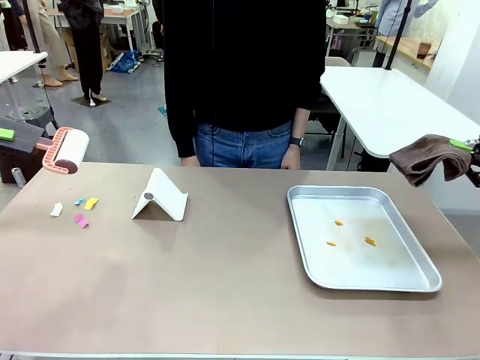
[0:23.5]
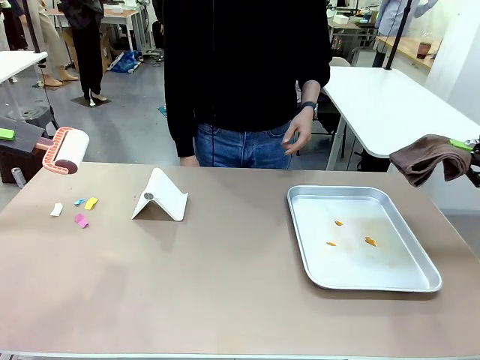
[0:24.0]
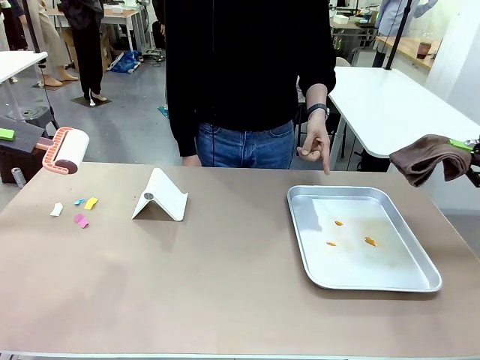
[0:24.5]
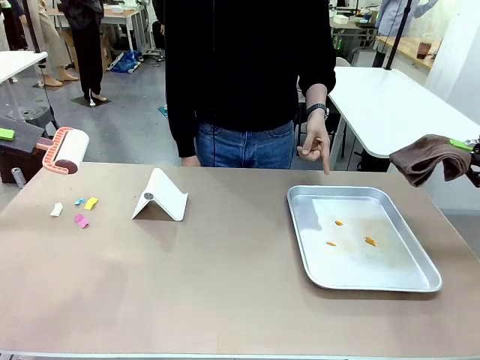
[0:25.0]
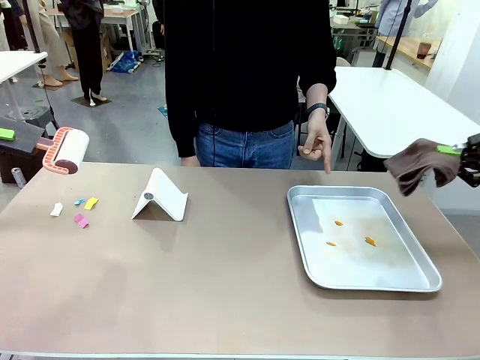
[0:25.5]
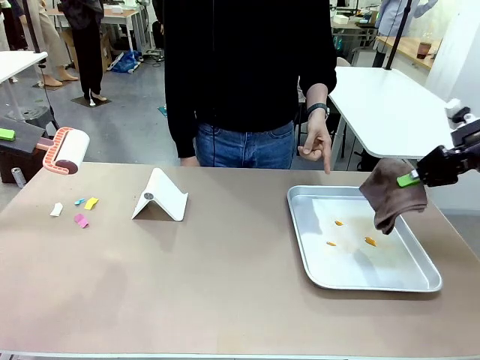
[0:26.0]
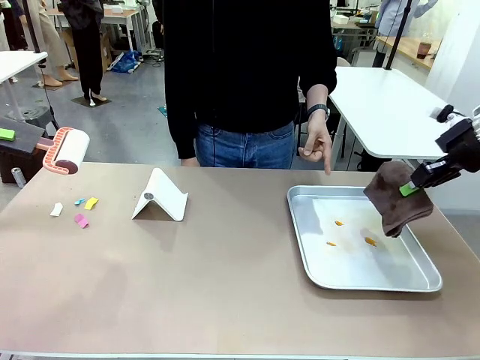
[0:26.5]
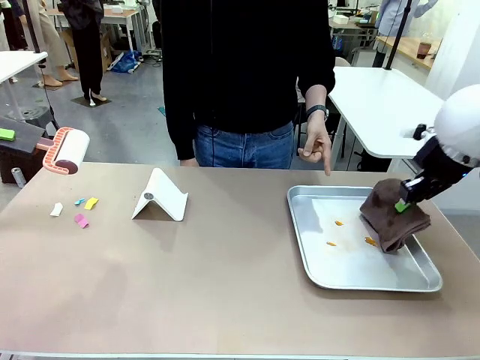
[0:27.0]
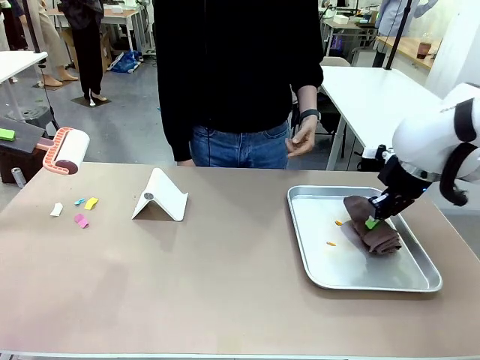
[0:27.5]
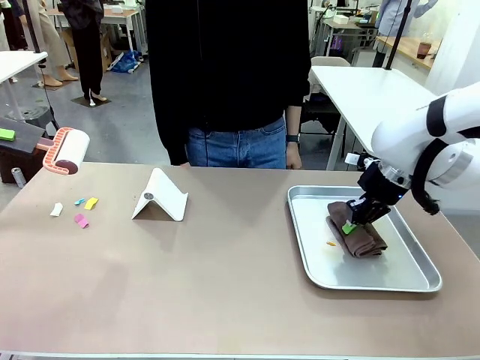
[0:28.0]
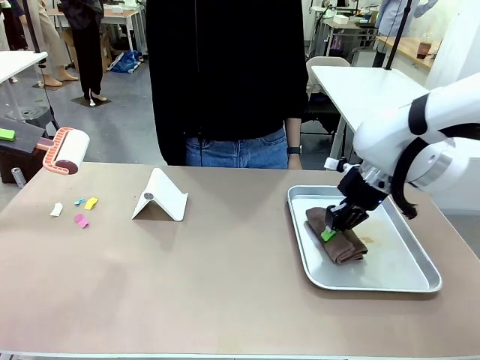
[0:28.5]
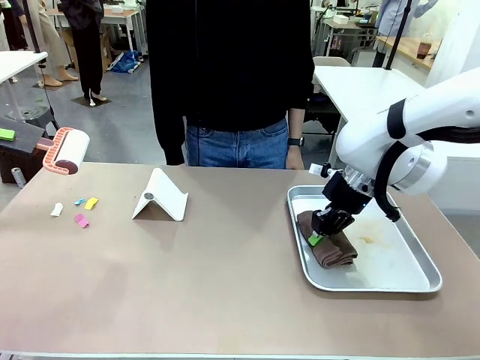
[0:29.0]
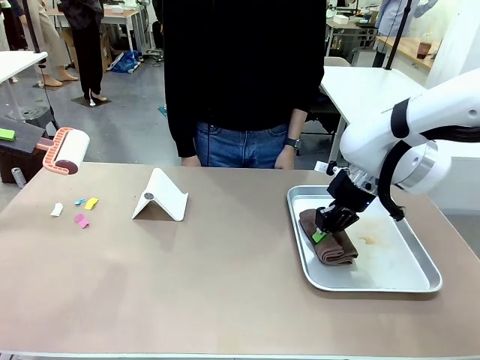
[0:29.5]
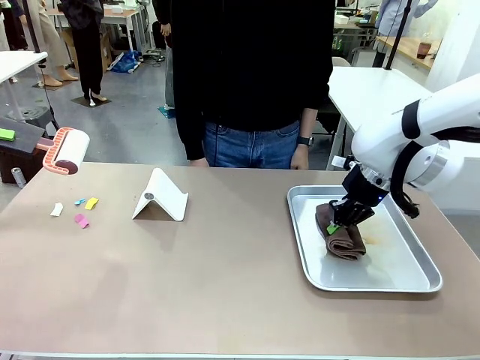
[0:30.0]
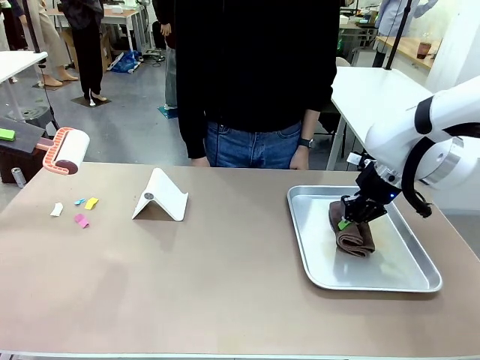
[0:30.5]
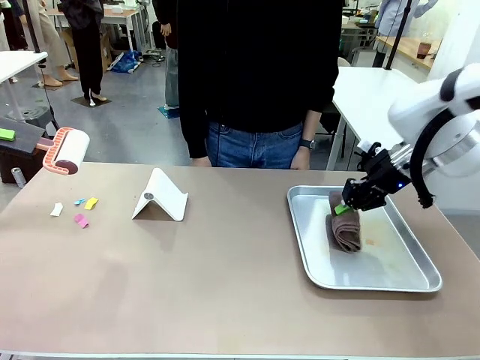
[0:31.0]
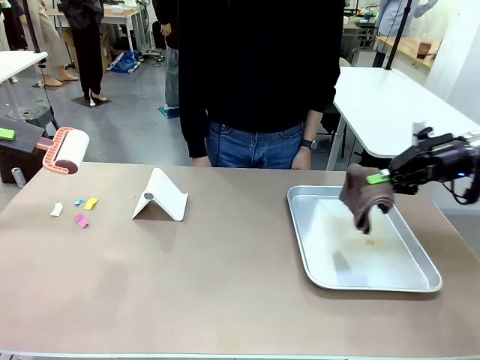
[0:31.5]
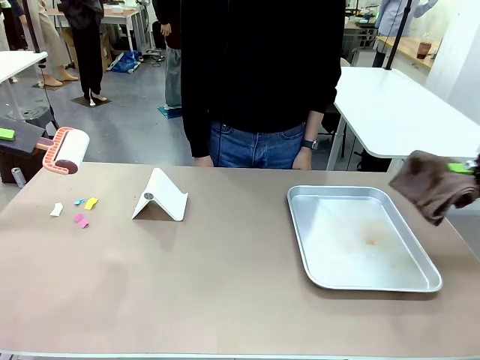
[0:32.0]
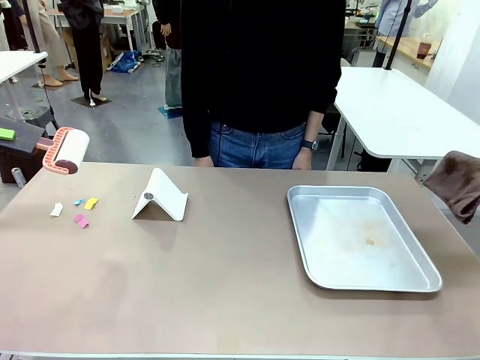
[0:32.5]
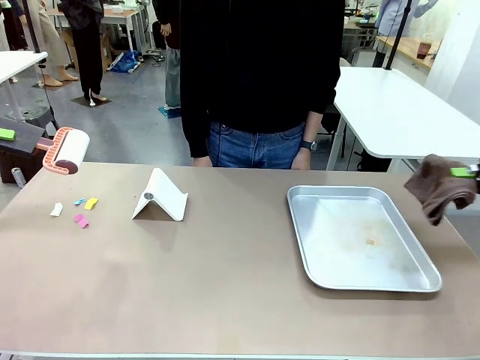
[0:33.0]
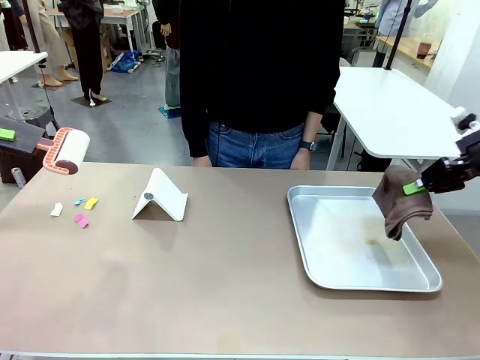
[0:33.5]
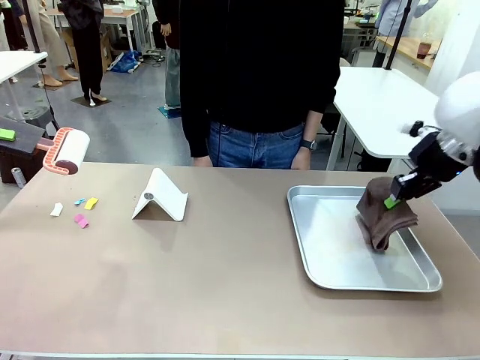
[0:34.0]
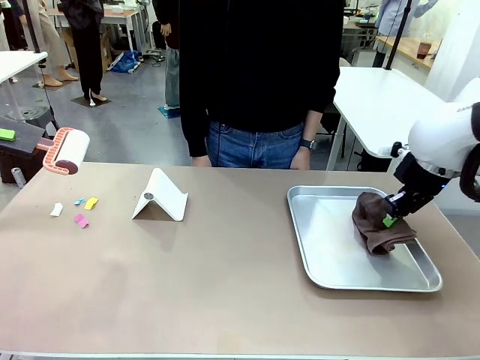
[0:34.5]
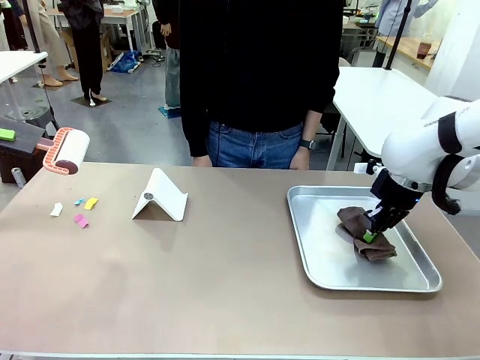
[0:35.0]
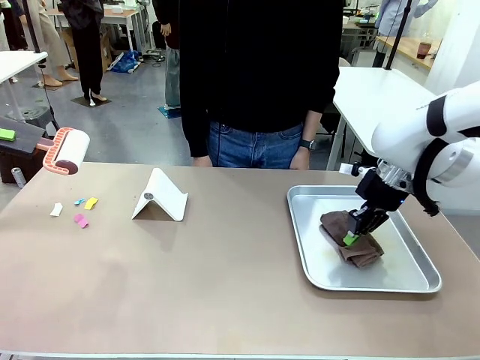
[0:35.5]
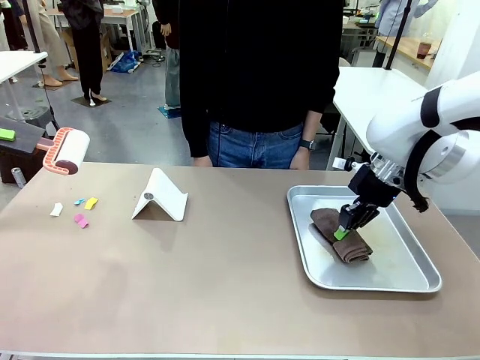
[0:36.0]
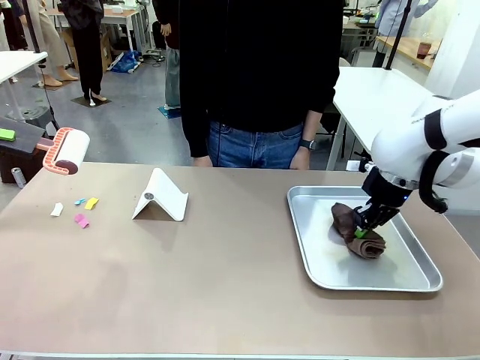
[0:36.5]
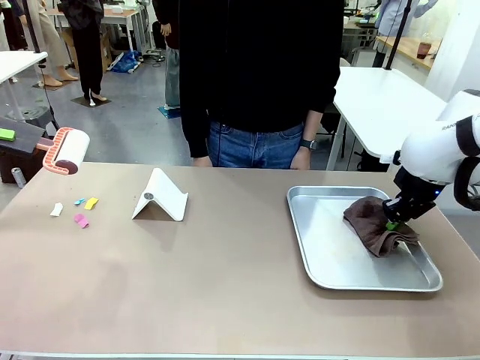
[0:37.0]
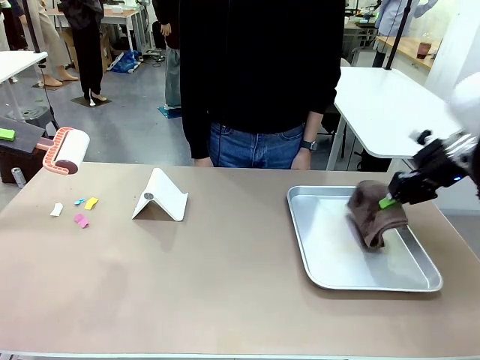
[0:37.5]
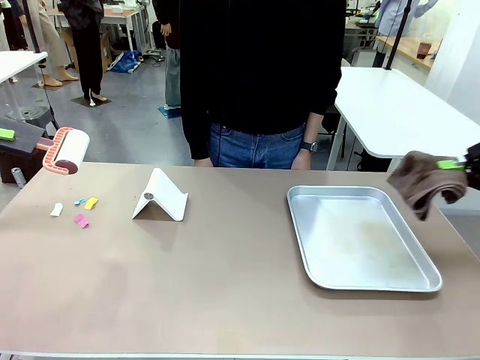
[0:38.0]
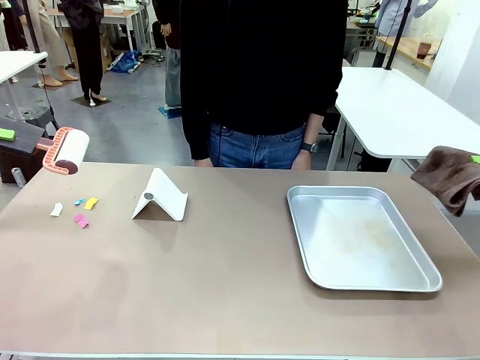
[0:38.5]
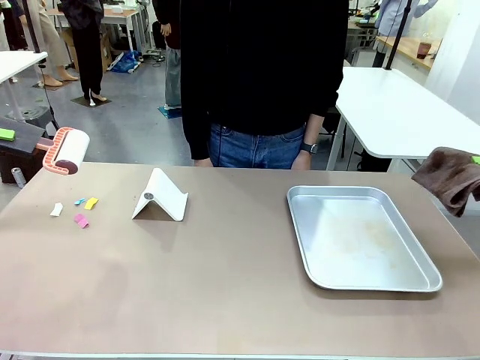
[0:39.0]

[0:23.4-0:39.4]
Task: Clean the surface of the table.
Robot: If a person points to the right, clean the right side of the table with your right hand, and if they point to the left, clean the left side with your left hand.

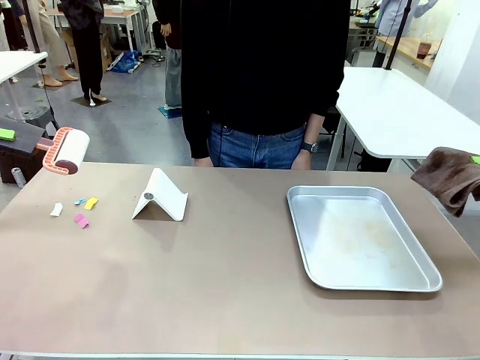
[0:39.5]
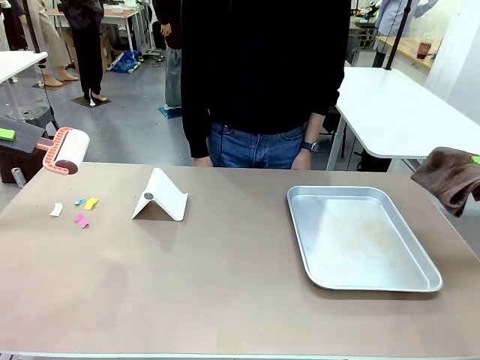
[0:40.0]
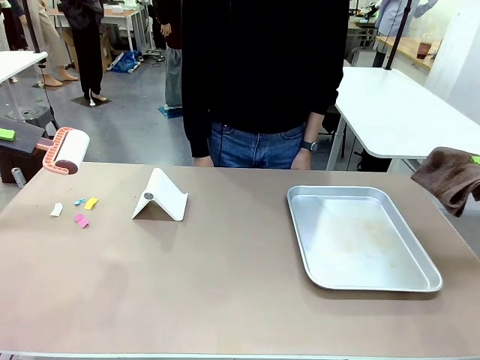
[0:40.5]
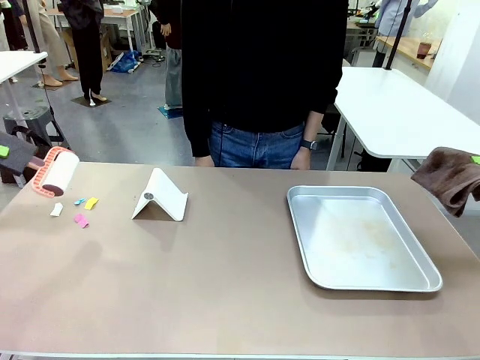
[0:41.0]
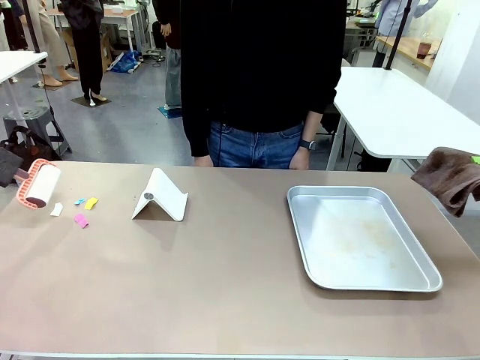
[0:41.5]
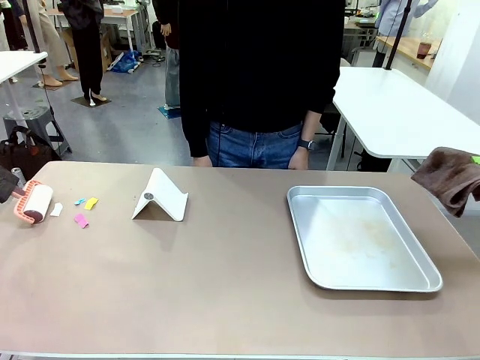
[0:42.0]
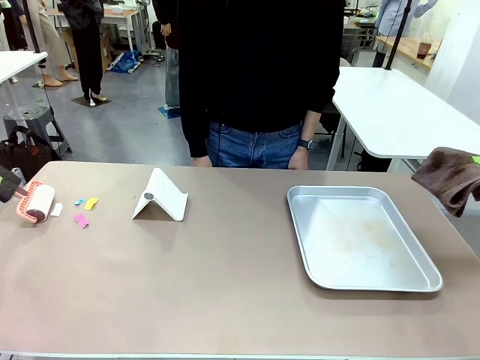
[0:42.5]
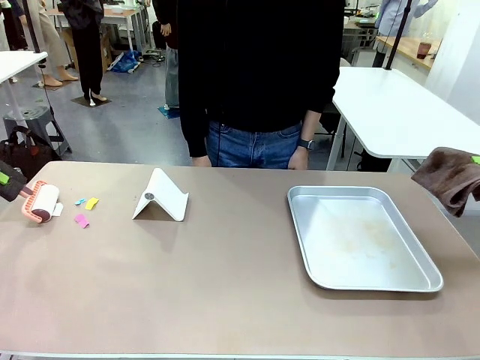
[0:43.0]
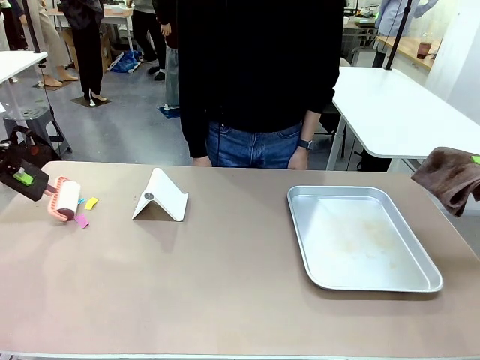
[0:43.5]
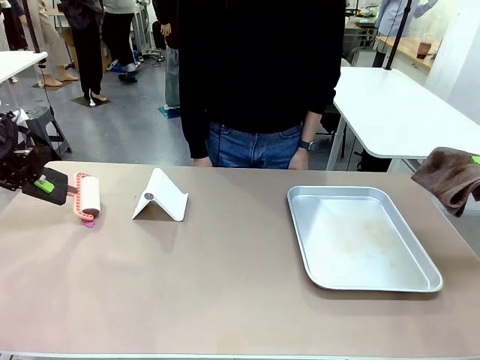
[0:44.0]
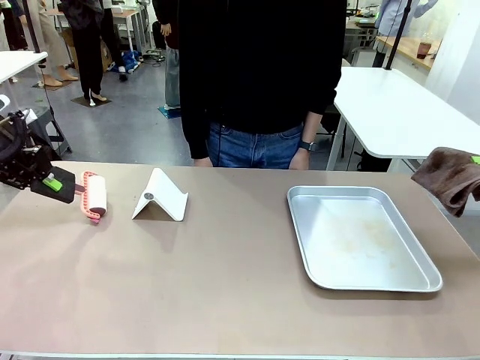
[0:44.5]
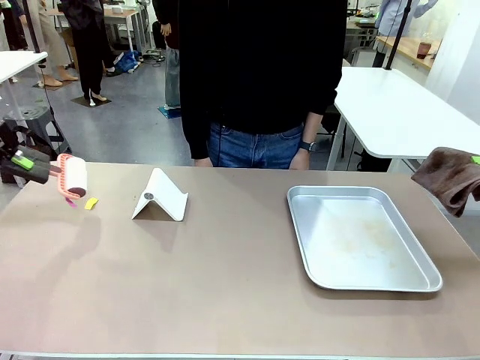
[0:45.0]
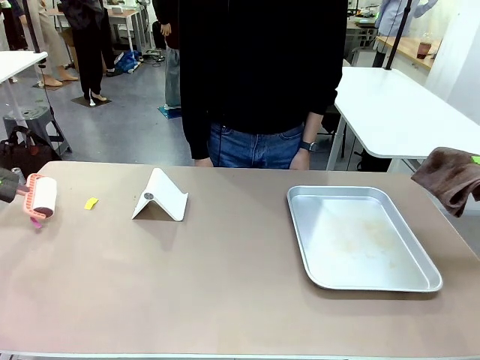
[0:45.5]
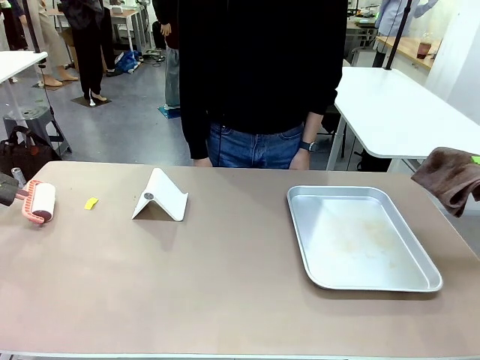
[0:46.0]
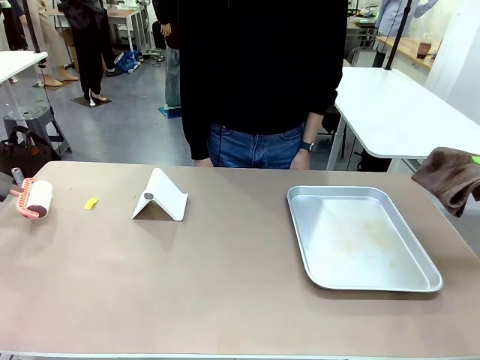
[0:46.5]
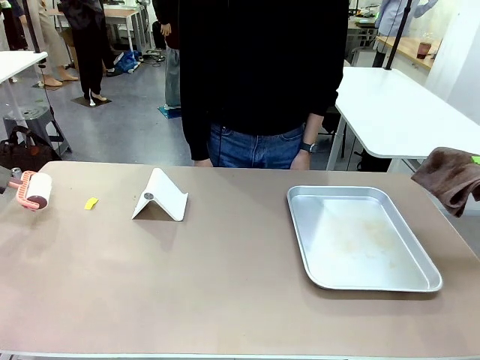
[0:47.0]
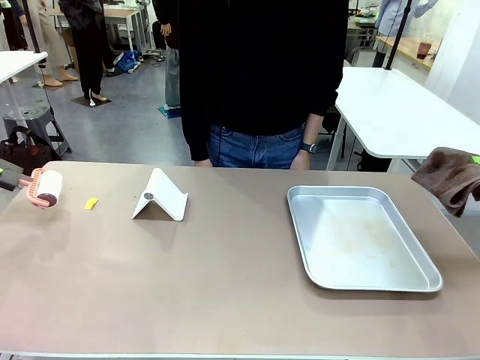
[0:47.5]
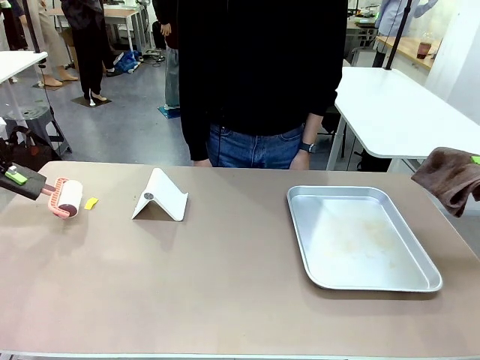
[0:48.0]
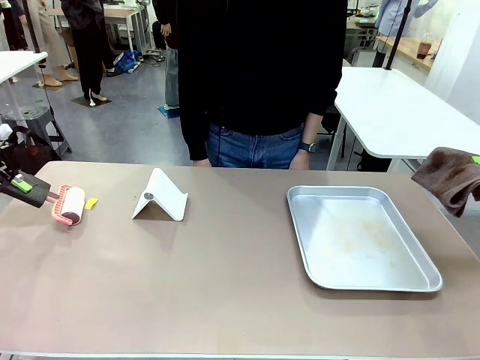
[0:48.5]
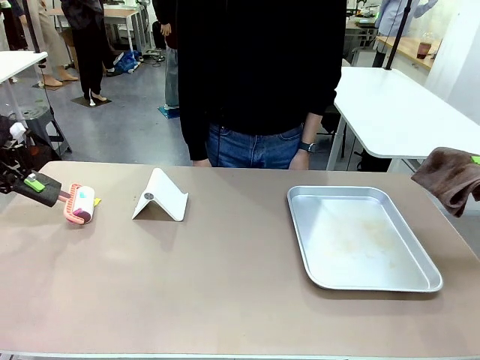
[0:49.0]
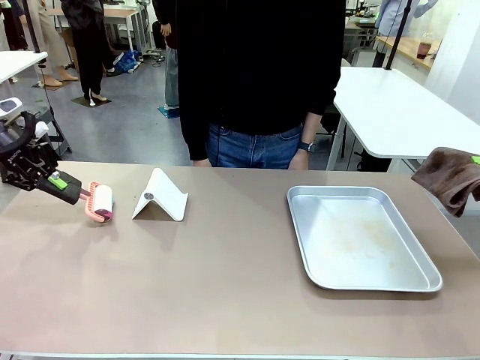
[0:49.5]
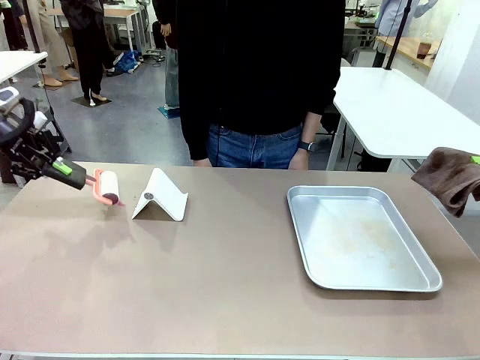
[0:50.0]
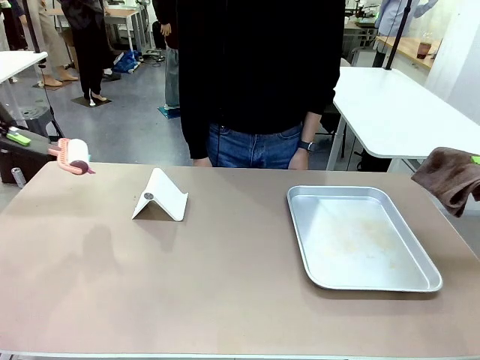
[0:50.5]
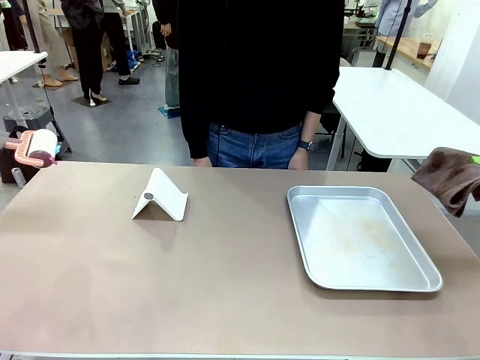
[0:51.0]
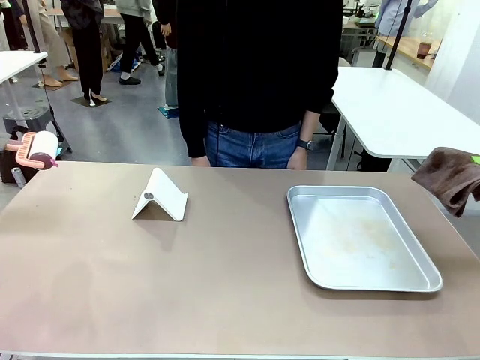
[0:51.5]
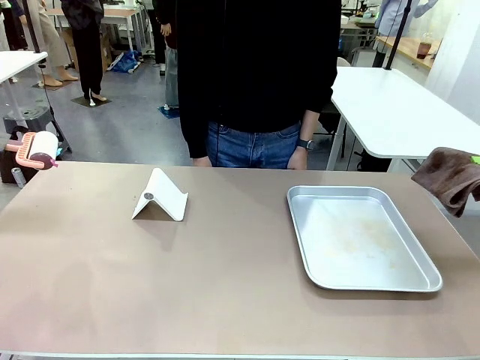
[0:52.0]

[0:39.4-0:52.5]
Robot: Clean the area not pointed to by the person.
